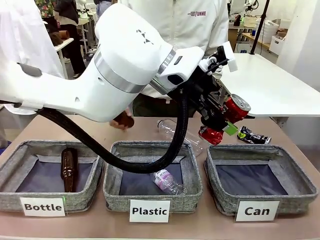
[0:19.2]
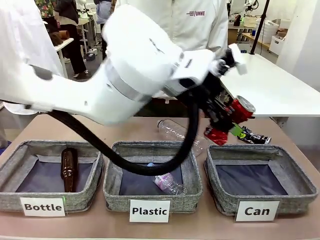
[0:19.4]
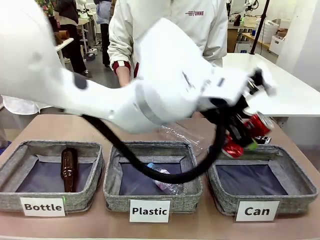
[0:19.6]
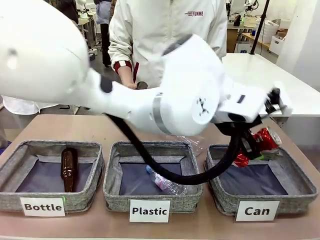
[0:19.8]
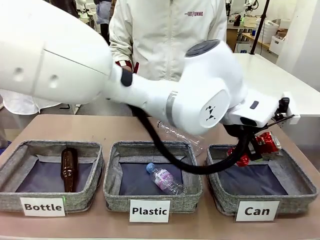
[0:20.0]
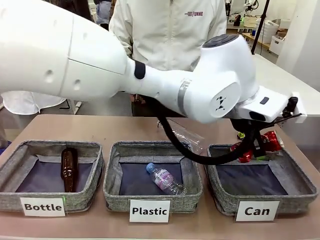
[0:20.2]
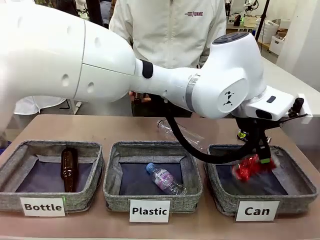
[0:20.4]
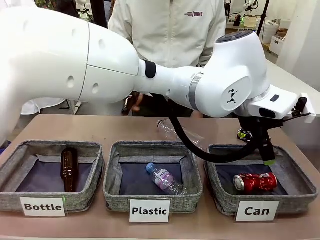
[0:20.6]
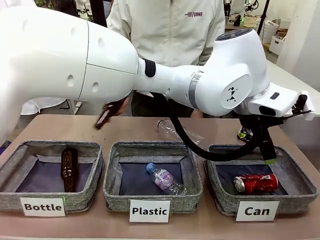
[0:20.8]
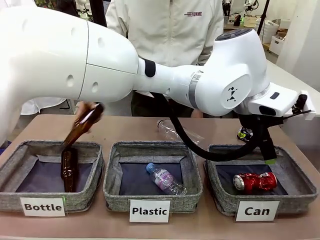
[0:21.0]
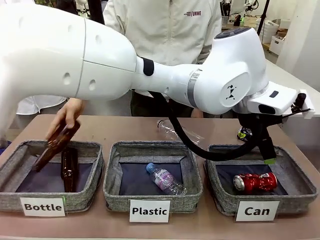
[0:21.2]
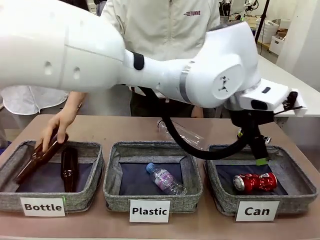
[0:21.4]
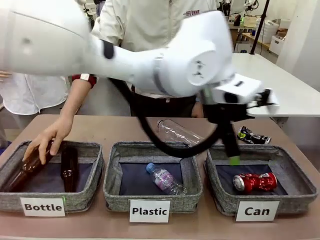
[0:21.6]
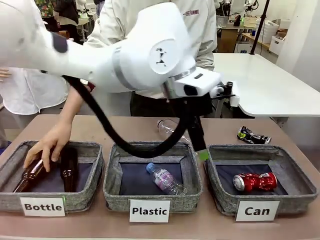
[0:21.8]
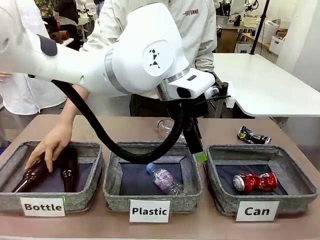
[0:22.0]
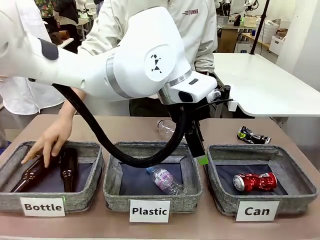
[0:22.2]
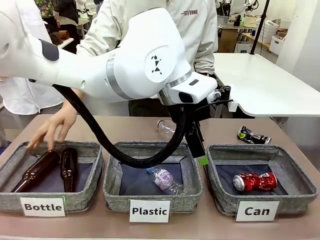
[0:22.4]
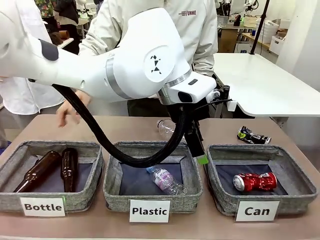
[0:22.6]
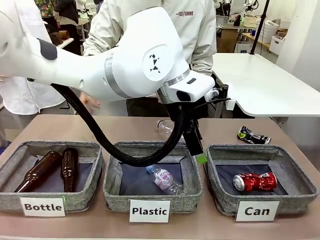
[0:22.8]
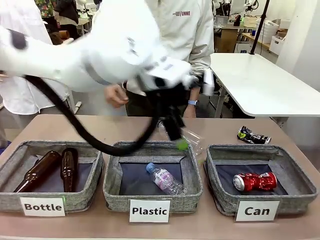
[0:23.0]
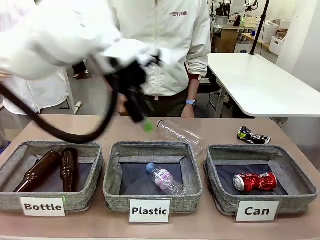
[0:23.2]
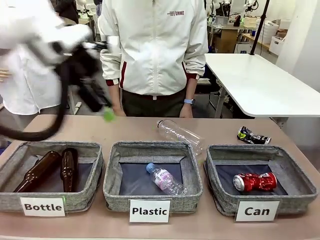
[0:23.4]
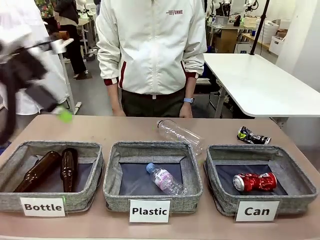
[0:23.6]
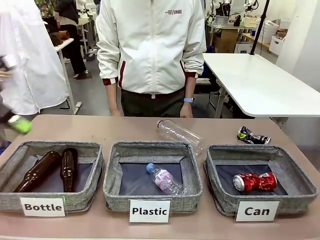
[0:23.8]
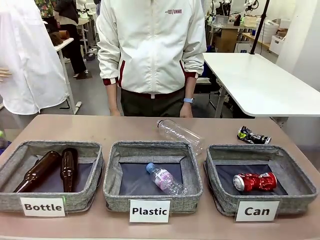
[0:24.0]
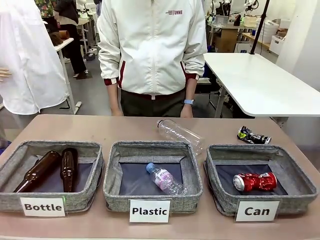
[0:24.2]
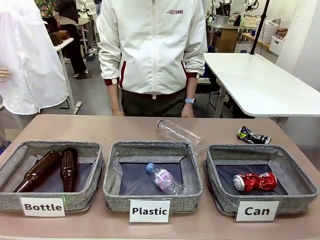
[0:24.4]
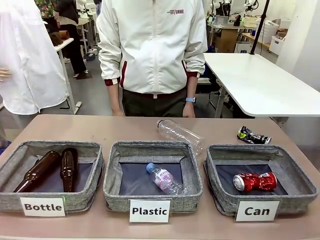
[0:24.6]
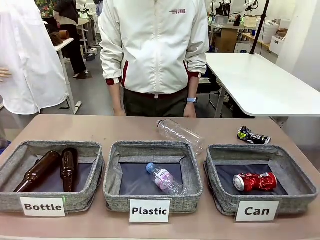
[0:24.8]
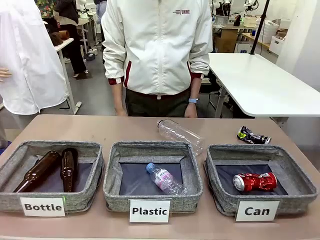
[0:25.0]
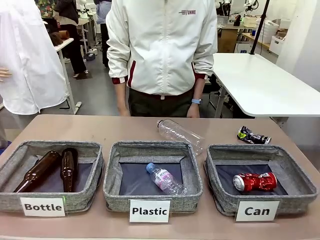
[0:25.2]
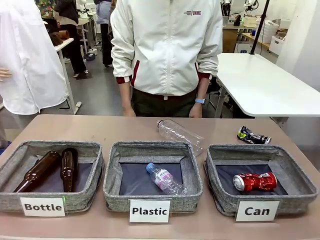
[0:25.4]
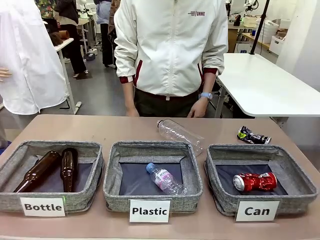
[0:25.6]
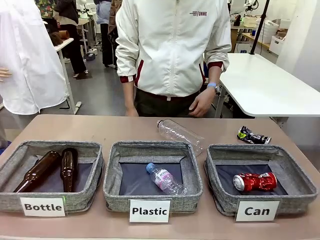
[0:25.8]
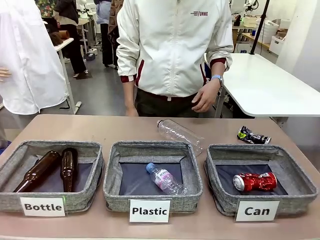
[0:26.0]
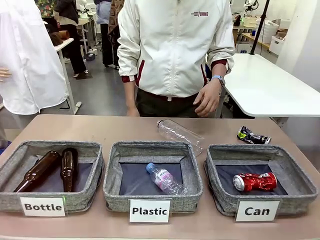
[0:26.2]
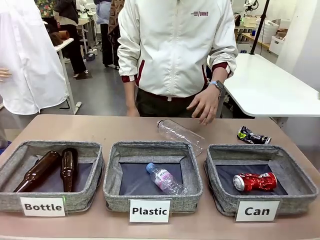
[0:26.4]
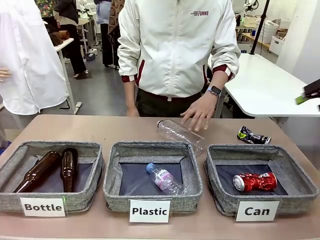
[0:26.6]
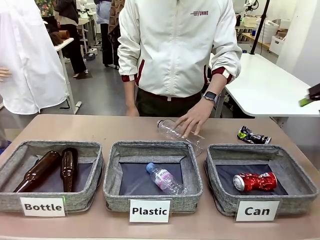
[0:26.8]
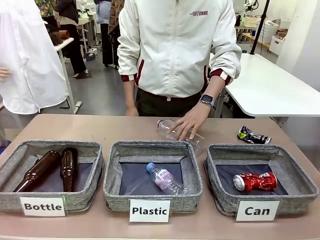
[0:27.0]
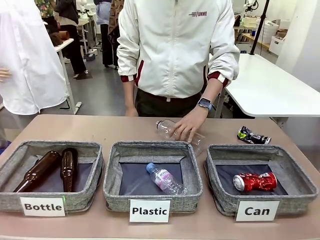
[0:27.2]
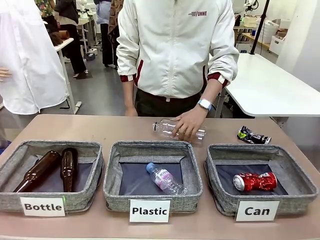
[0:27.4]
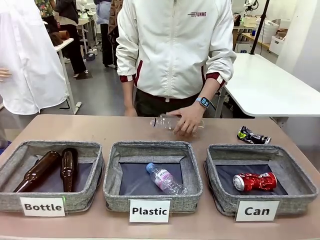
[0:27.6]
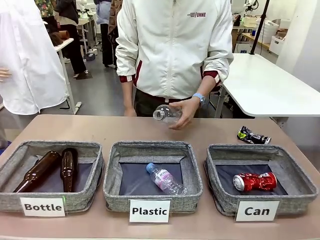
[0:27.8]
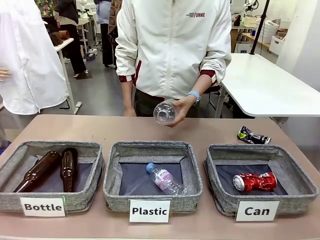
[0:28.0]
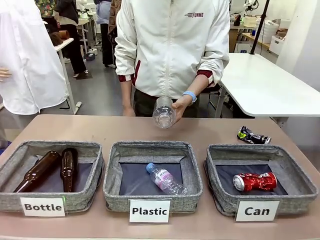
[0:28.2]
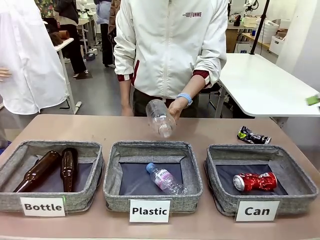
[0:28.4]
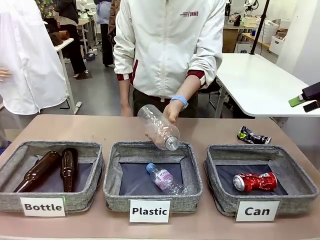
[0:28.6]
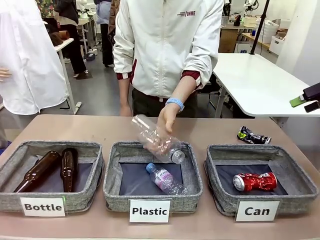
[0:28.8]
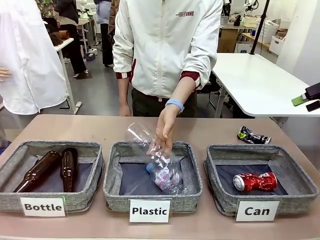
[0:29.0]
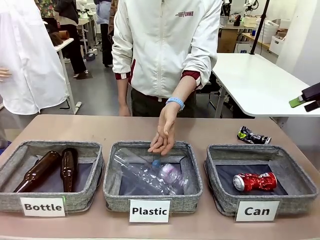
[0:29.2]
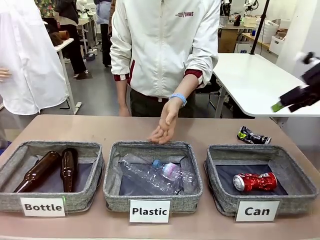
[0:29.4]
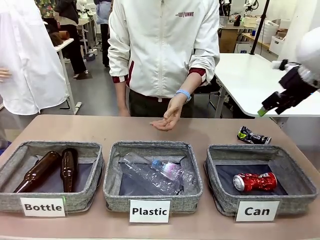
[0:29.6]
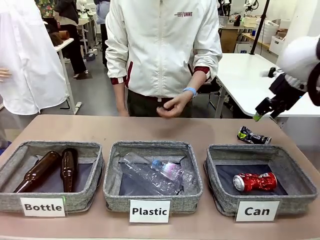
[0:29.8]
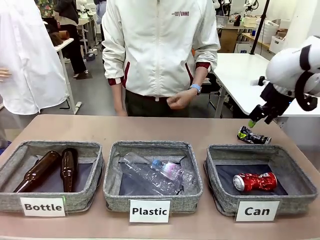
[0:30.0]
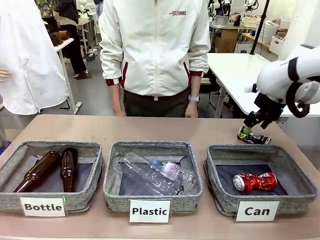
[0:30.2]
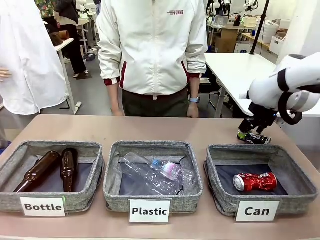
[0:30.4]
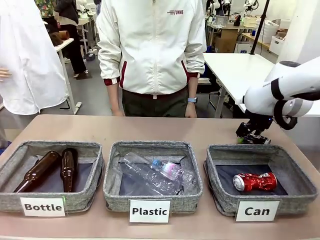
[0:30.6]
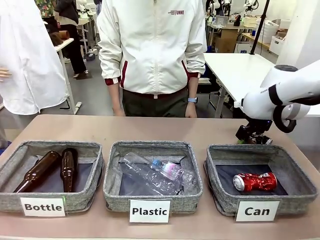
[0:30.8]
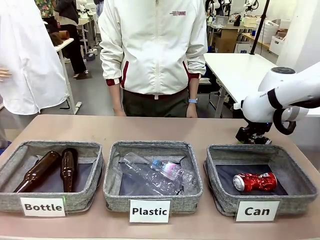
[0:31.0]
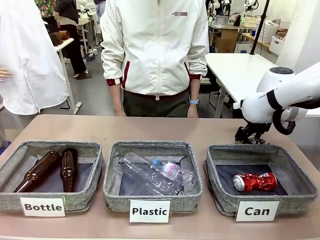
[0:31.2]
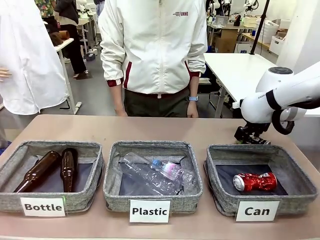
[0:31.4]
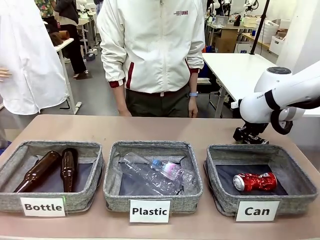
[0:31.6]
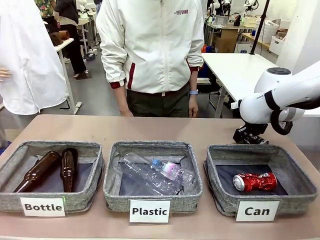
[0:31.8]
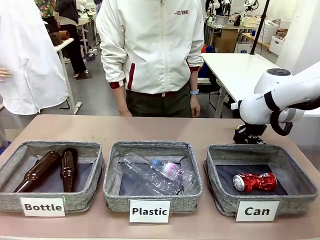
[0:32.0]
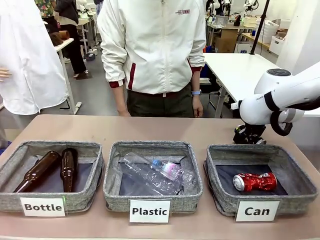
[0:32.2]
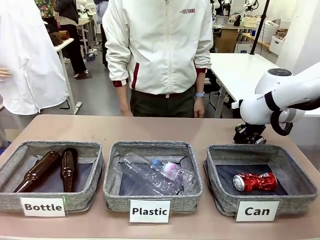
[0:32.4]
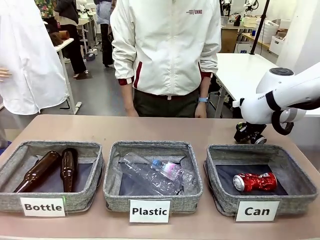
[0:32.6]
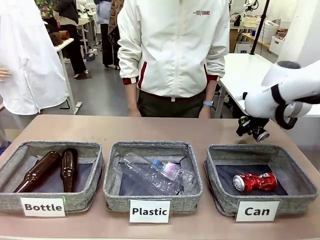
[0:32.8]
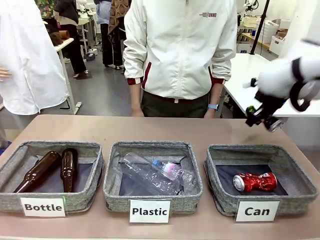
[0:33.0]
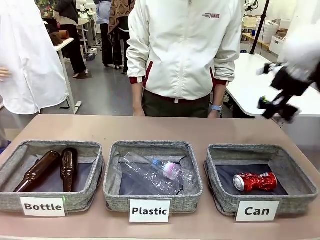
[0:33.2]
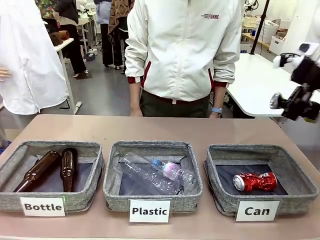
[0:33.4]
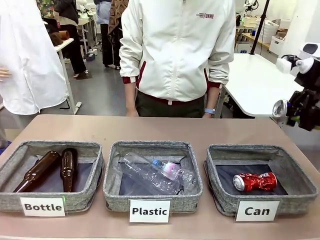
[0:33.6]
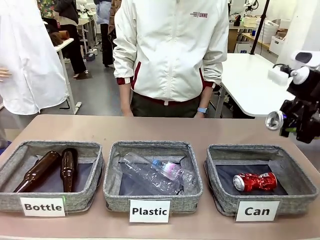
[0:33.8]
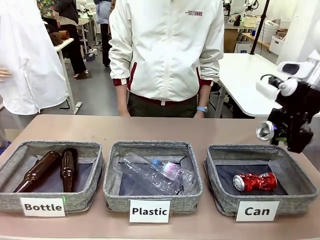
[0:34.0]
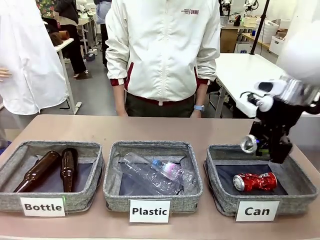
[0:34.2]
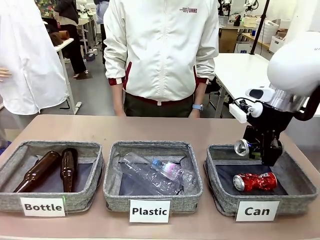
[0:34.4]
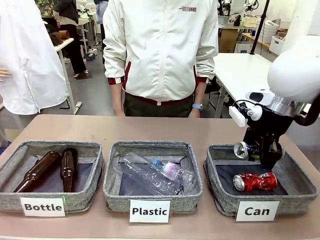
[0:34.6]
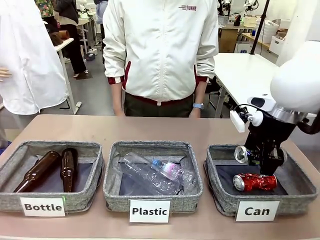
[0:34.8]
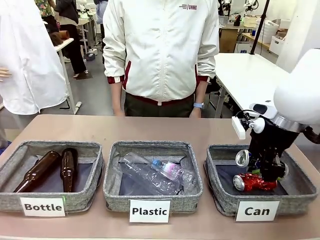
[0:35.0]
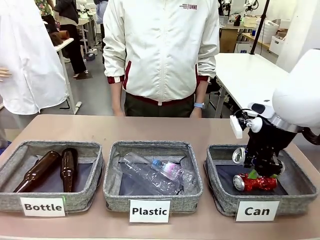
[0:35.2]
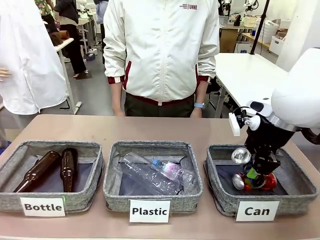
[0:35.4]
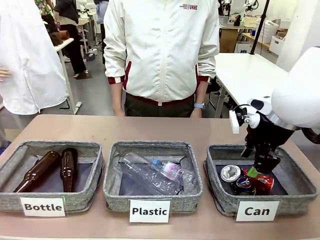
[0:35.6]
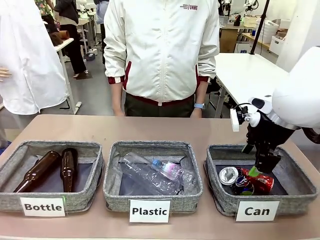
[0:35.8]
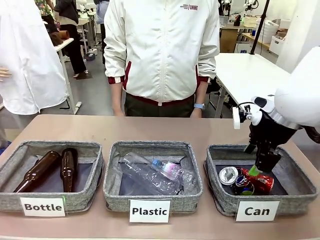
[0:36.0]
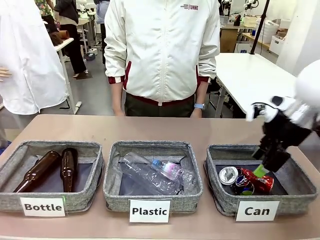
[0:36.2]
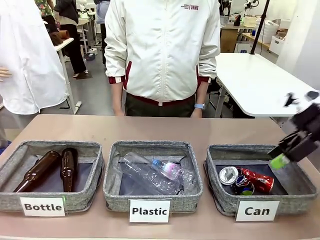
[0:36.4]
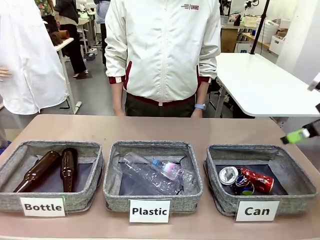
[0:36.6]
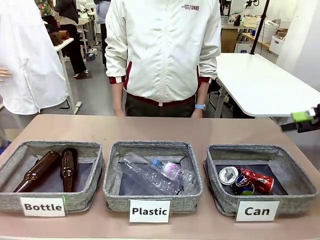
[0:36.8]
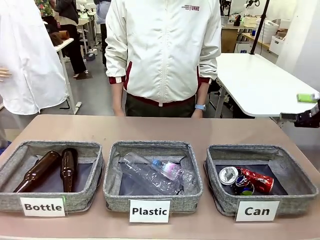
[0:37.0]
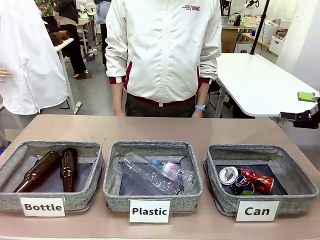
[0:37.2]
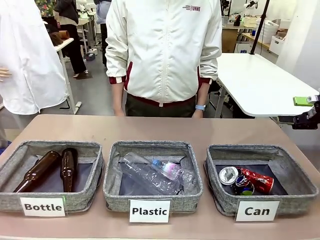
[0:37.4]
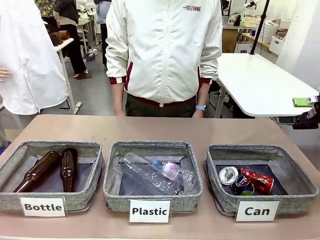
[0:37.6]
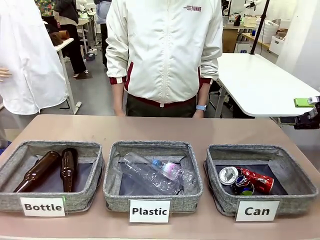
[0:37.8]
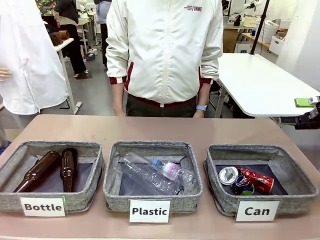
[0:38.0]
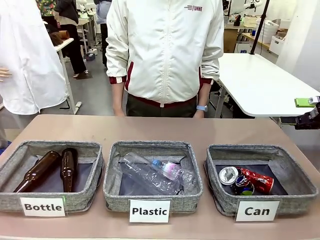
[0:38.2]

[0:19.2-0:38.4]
Task: Sort the can waste into the basket.
Robot: Pick up the can waste from the table and place it in the right Fabric basket.
